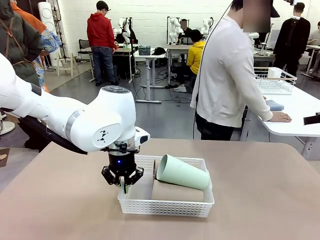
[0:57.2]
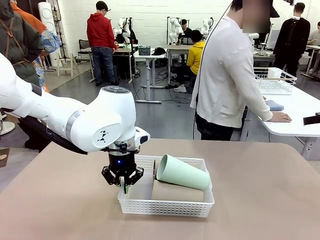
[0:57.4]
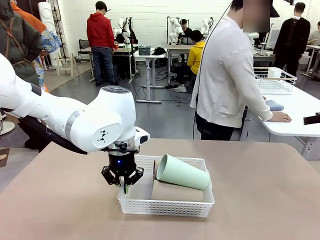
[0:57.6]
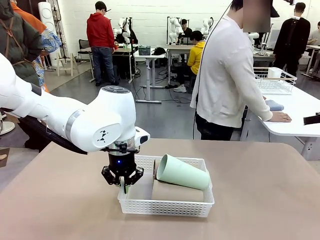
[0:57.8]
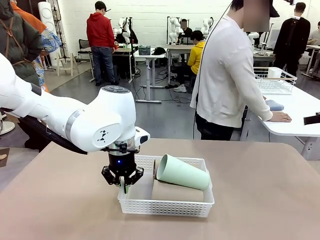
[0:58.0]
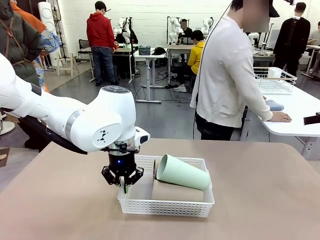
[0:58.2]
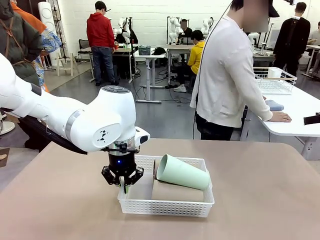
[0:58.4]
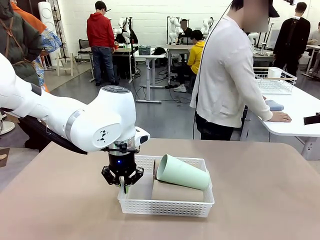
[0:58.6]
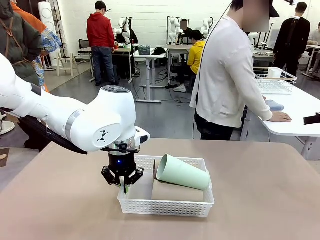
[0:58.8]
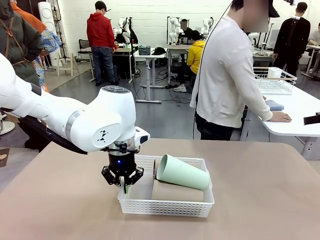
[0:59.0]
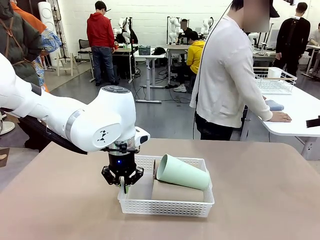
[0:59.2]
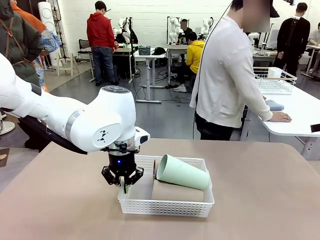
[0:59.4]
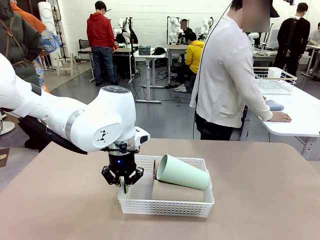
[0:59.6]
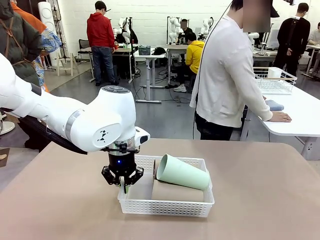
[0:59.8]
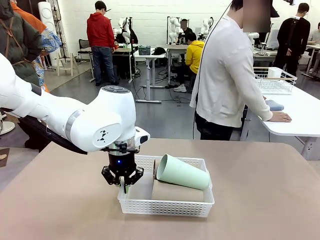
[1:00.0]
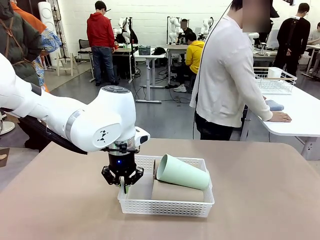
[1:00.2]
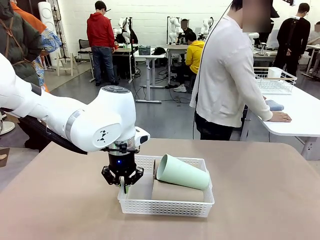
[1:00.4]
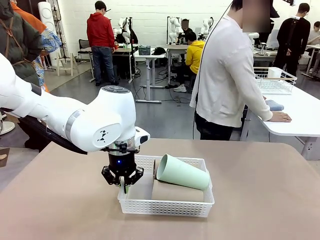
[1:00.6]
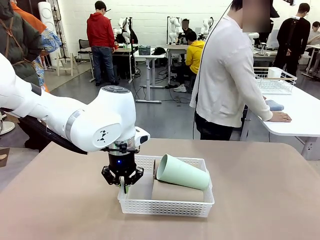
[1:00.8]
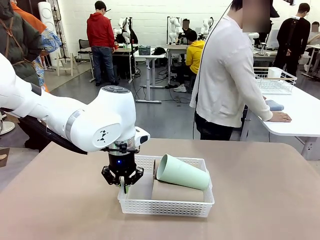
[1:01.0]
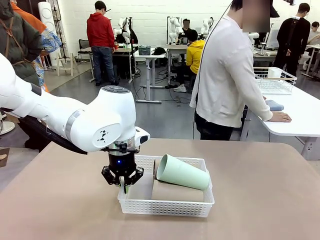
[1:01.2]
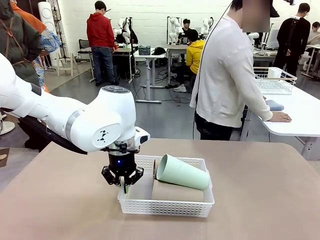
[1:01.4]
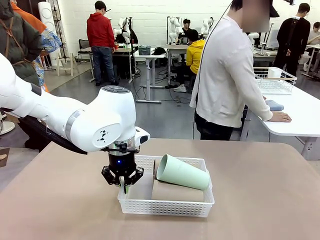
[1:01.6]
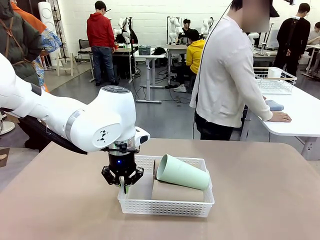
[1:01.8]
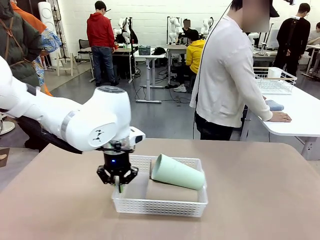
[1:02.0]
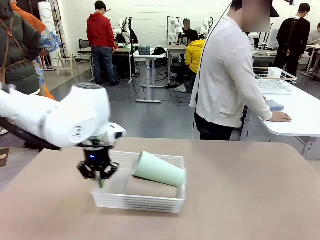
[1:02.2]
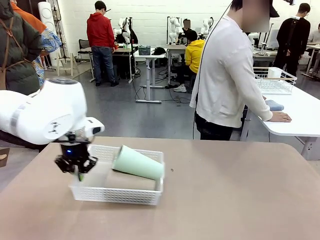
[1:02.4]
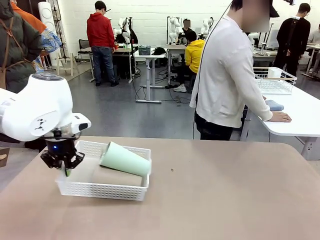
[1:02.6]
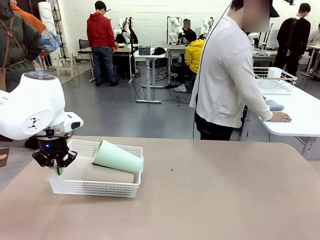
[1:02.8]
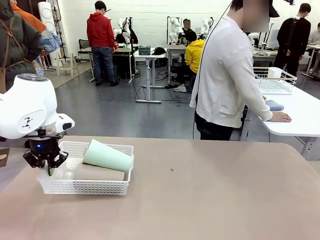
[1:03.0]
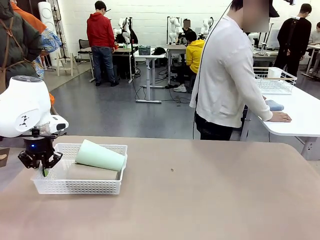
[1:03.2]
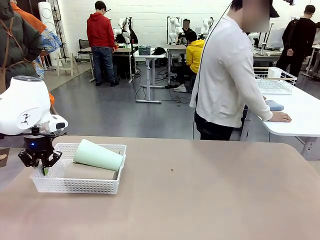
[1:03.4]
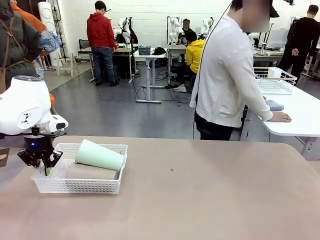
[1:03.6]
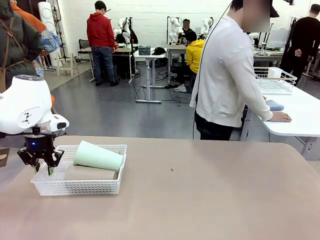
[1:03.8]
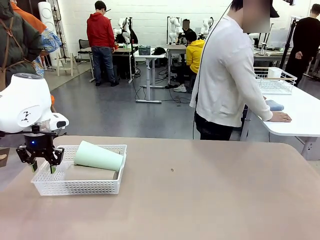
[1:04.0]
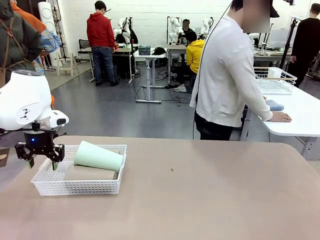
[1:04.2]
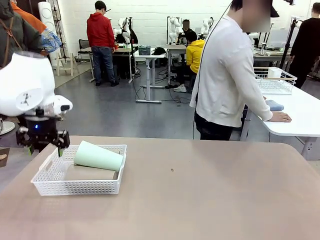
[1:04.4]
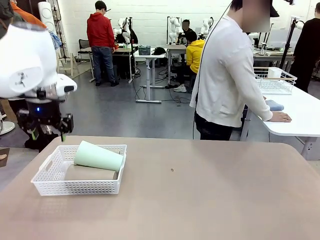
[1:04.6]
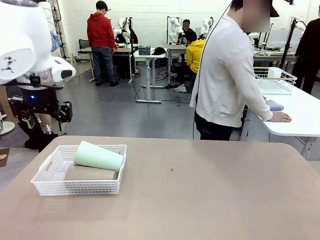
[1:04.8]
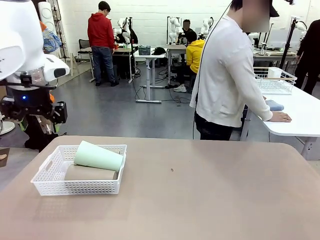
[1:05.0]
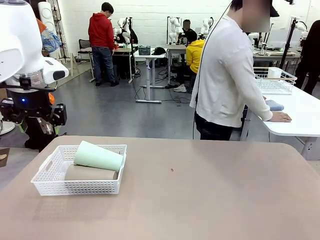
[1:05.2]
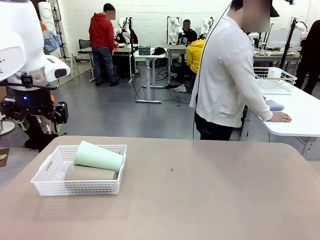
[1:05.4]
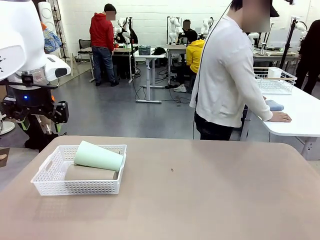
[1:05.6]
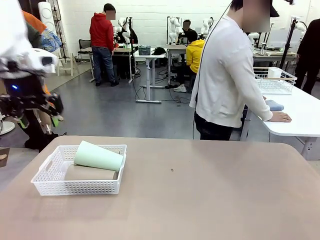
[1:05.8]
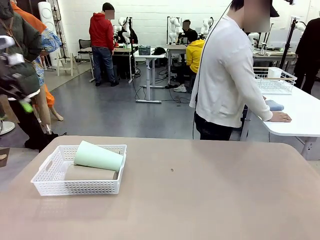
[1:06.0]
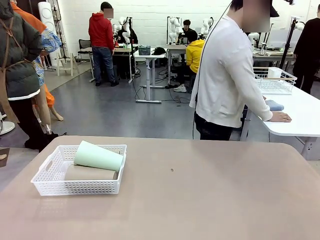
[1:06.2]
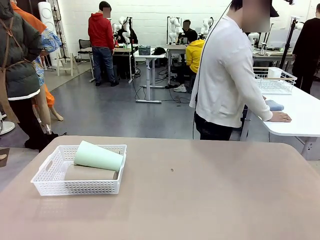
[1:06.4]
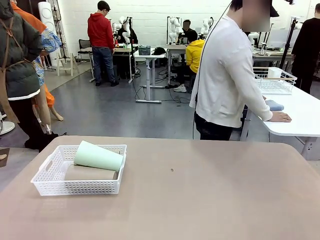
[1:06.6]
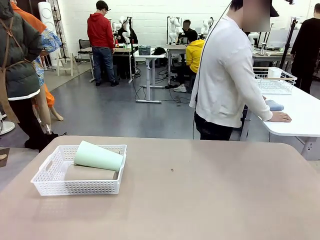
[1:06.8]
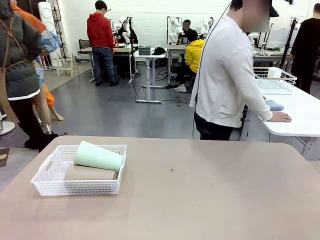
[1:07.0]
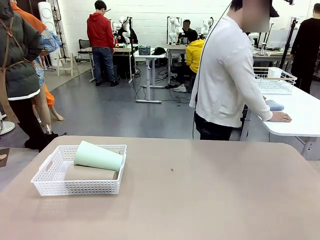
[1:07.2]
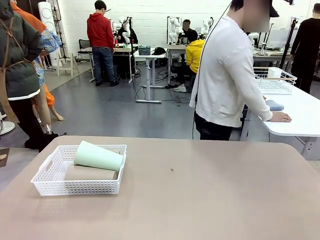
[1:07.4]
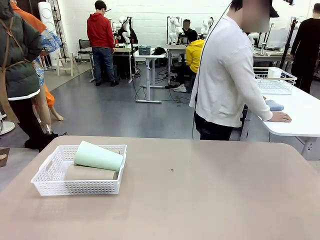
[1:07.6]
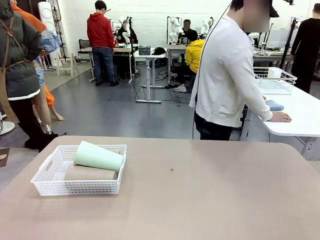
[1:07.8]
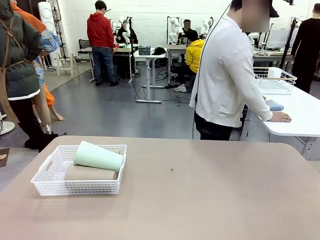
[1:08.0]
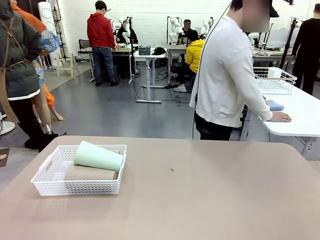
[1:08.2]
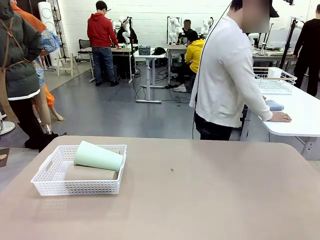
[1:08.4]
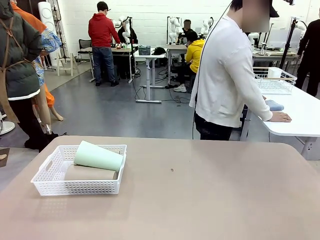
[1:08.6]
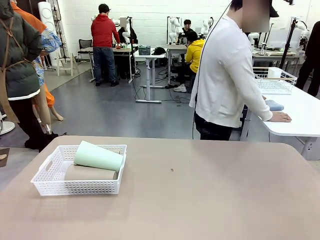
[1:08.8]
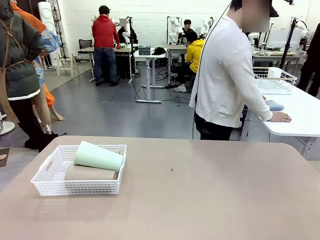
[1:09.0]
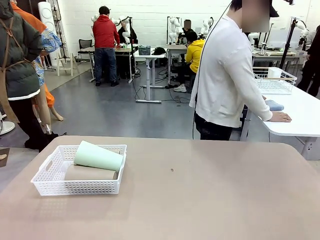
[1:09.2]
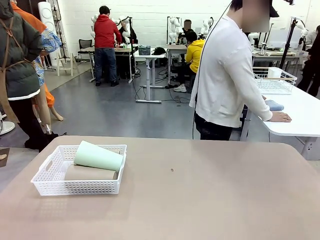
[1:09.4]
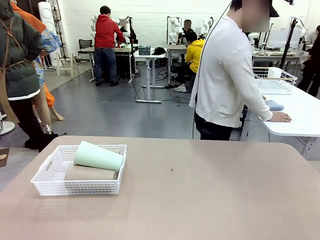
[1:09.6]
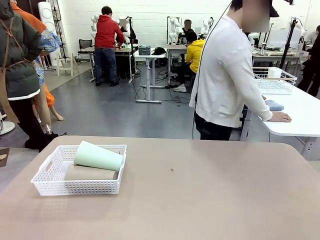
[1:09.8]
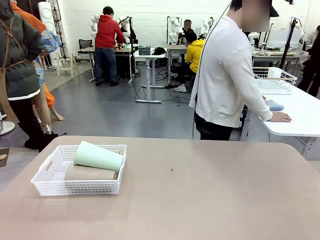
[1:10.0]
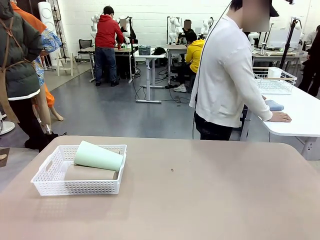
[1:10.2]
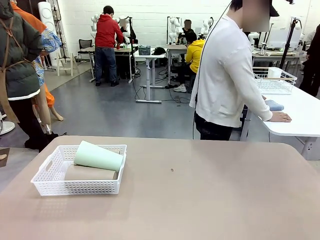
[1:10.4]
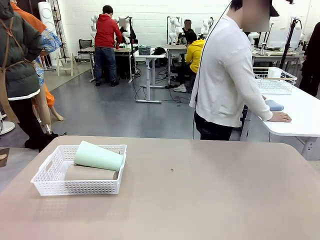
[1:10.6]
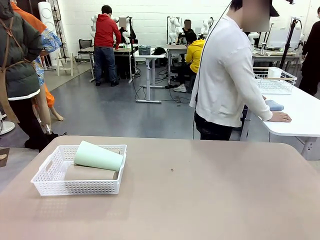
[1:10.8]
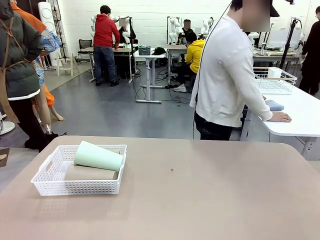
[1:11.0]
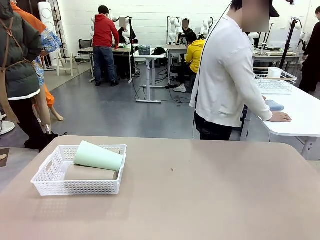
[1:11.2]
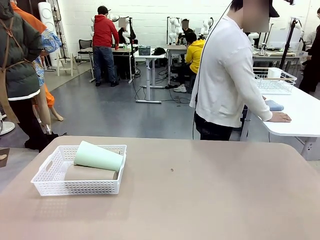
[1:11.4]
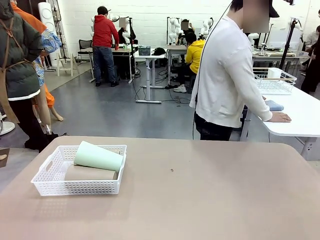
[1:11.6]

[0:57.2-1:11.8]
Task: Clean and organize the cups into the basket.
Robot: Move the Organizing basket back to the left side of the table.
Person: Folds the towel in half twice and places it in the right of the table.
